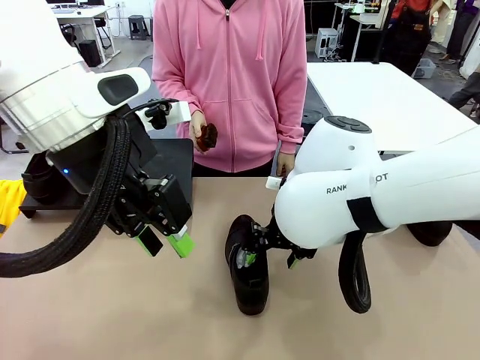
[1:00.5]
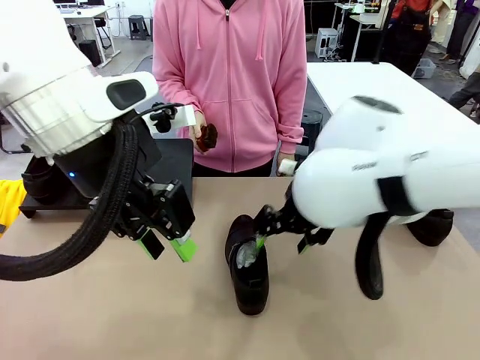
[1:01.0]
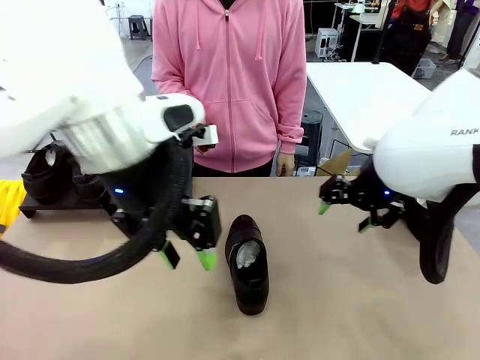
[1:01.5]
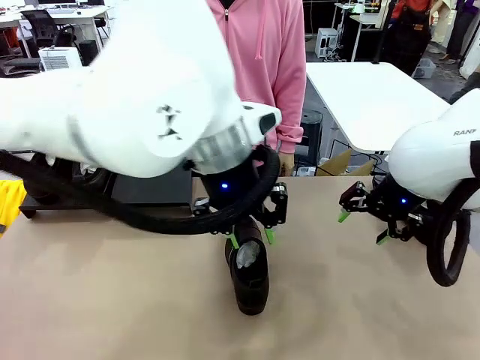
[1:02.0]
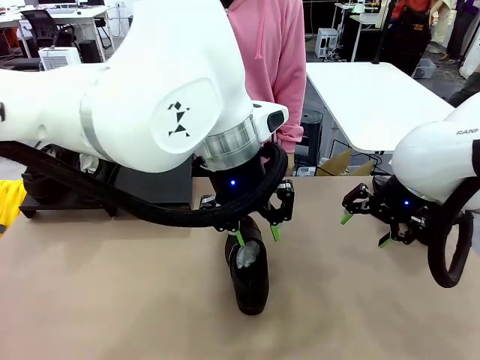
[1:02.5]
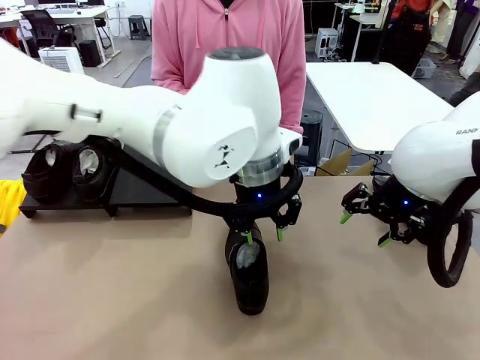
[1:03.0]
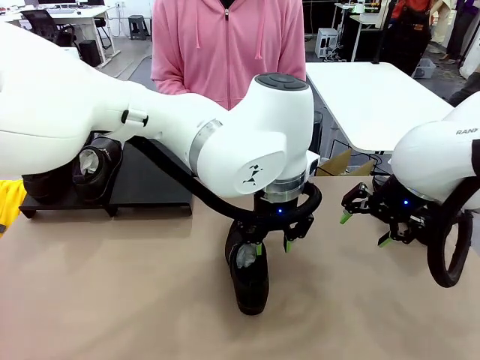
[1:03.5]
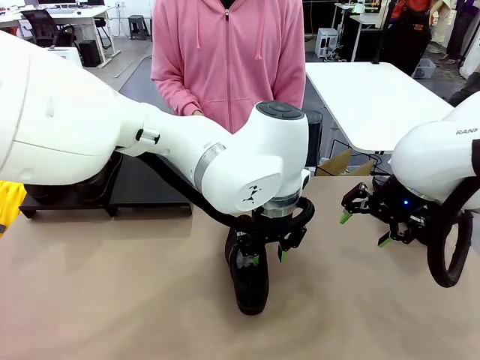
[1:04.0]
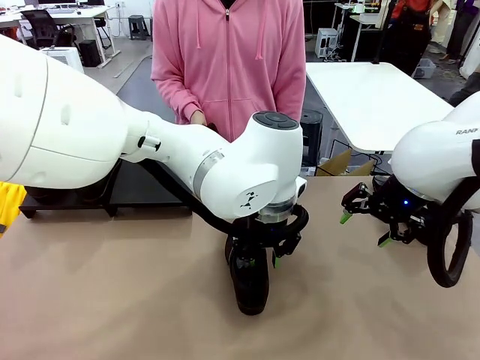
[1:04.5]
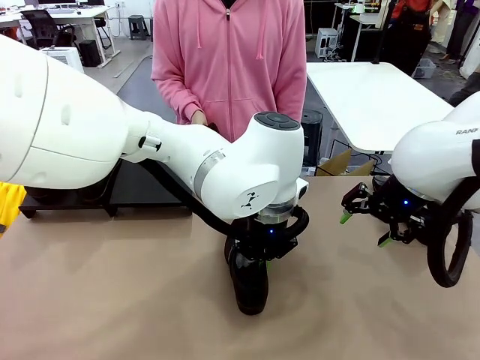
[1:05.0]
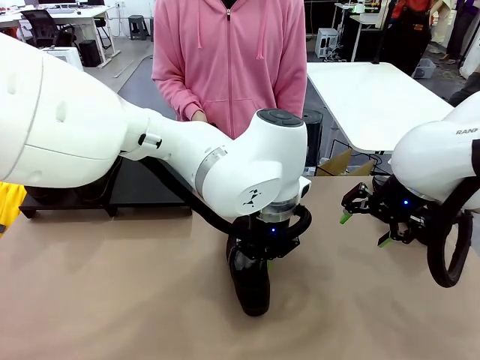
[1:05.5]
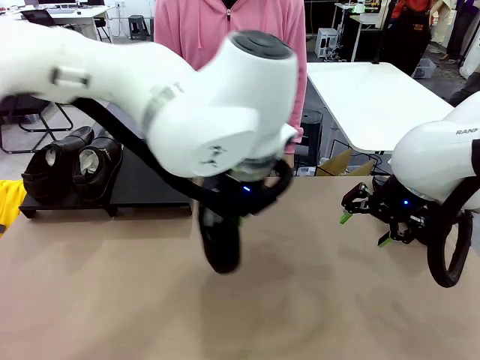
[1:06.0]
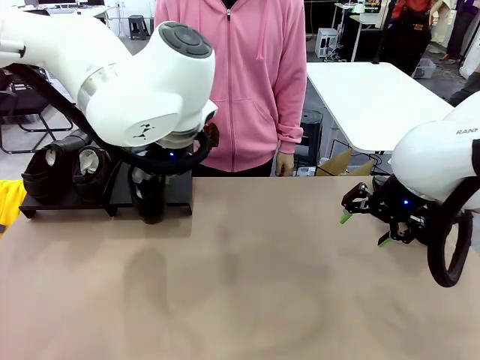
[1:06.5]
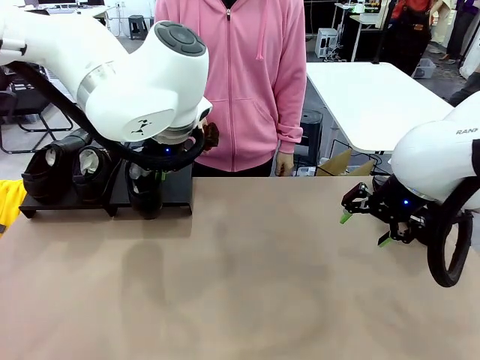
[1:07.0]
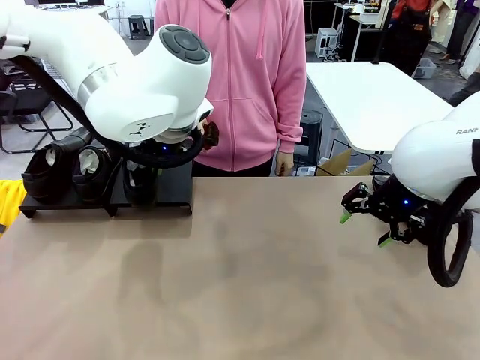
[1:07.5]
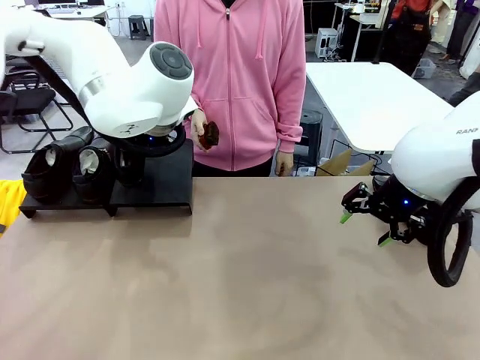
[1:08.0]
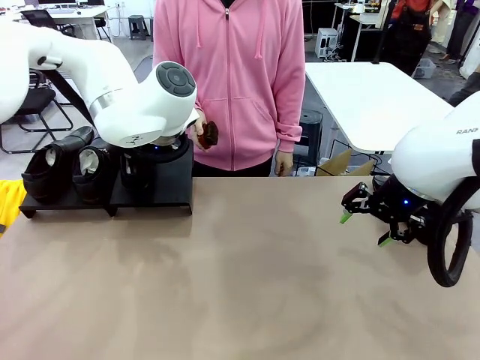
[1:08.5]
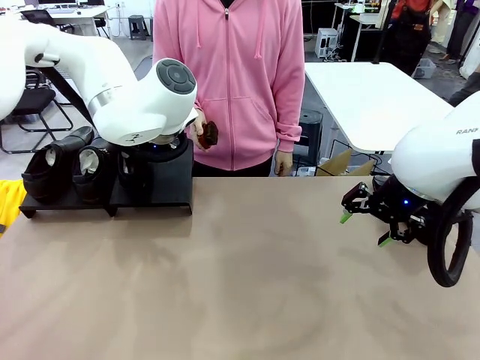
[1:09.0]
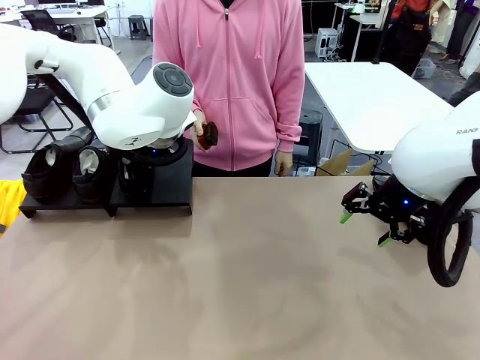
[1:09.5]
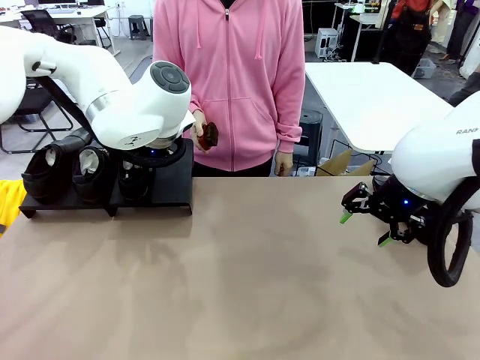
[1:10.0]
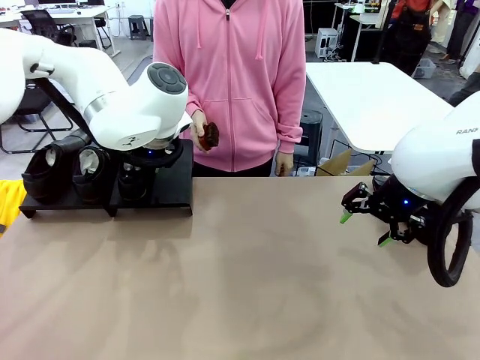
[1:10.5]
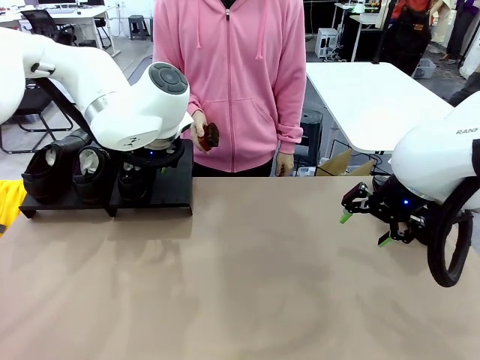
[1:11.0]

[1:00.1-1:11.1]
Task: Organize the shoes by placing them on the stand.
Robot: Place the Shoe from the middle of the table onto the Shoes Stand.

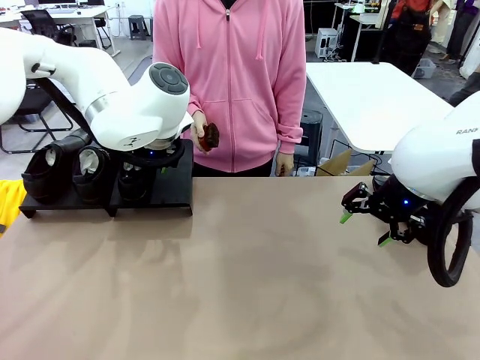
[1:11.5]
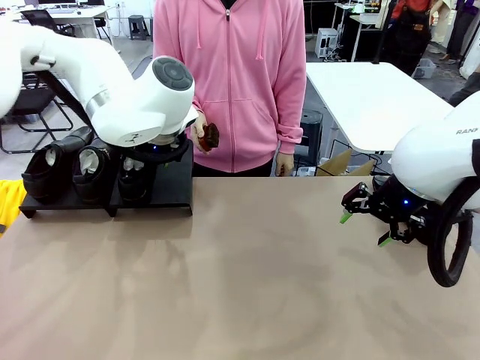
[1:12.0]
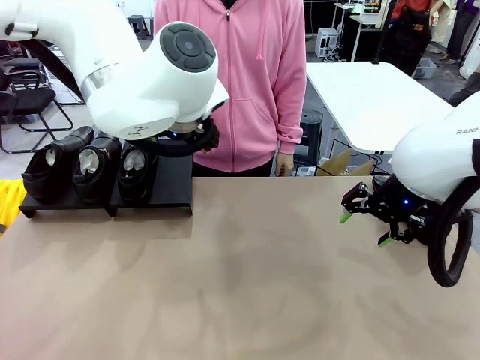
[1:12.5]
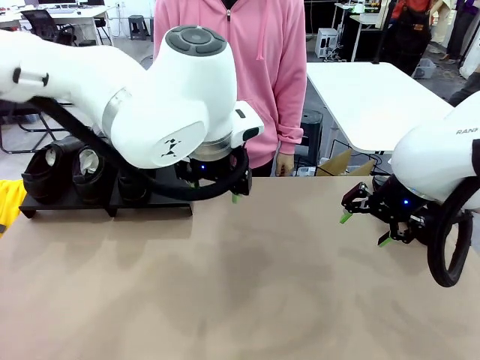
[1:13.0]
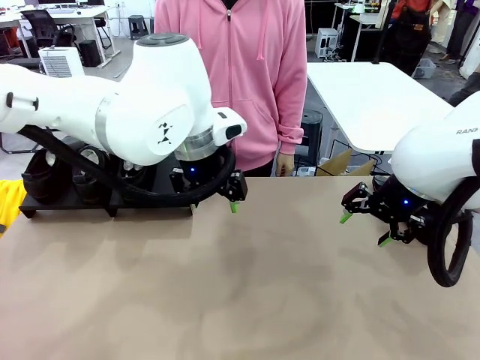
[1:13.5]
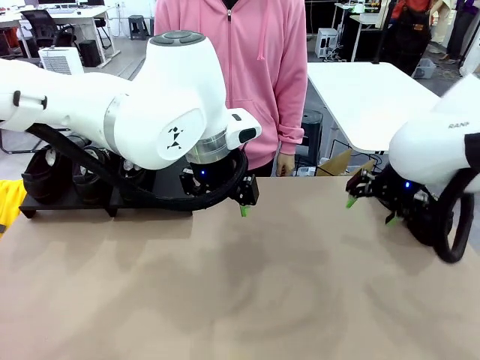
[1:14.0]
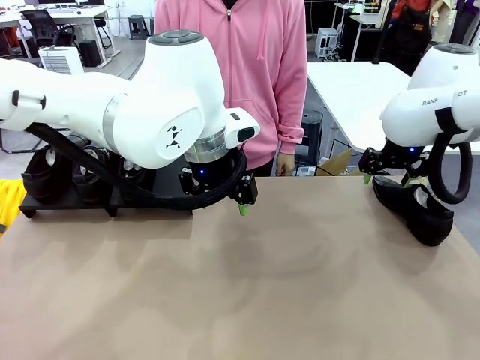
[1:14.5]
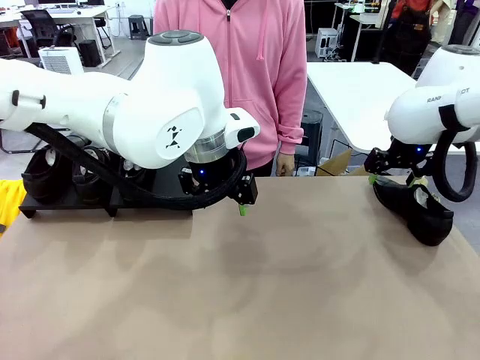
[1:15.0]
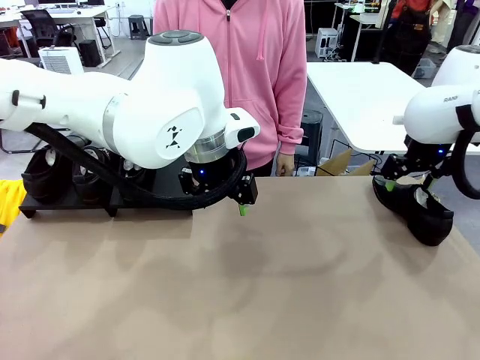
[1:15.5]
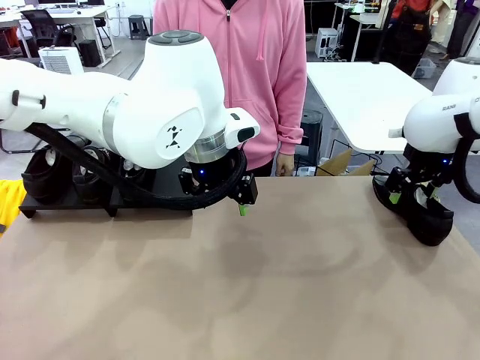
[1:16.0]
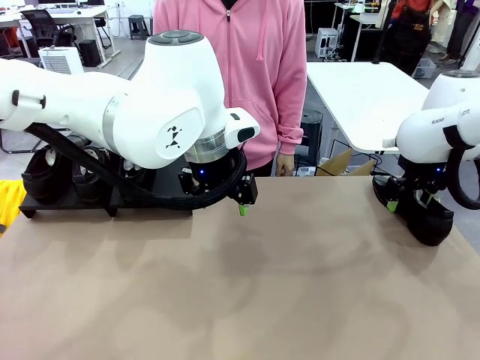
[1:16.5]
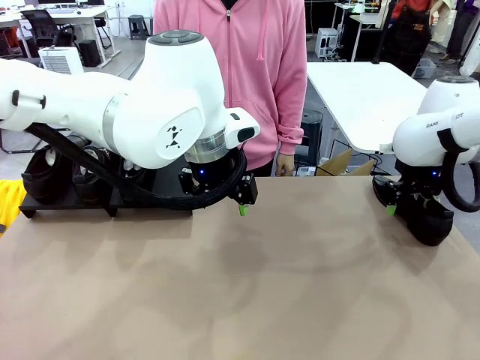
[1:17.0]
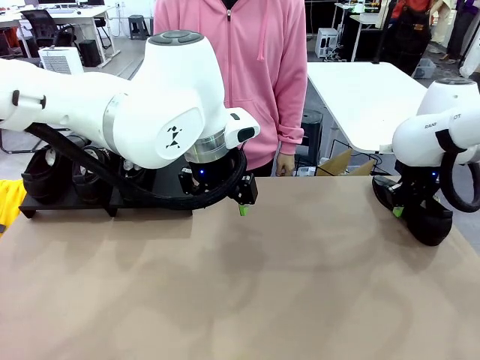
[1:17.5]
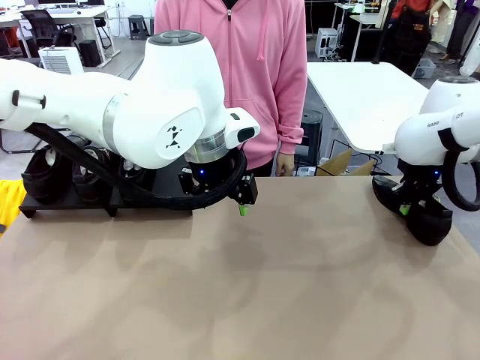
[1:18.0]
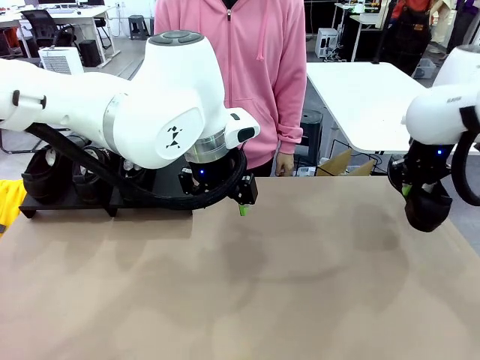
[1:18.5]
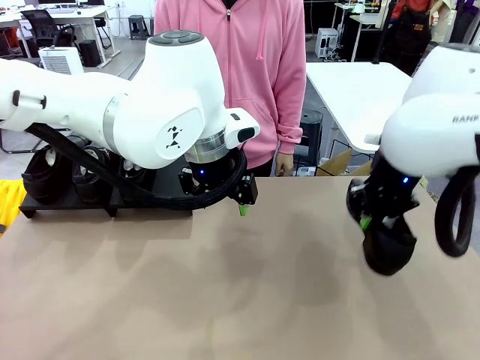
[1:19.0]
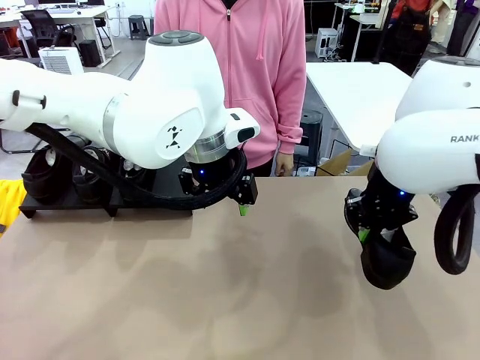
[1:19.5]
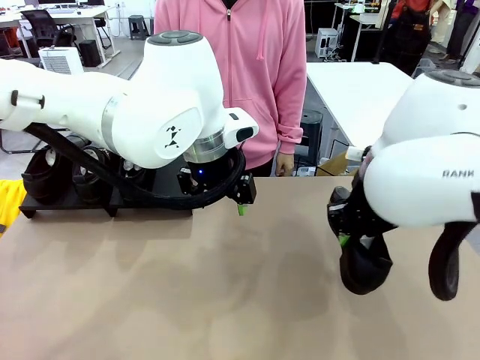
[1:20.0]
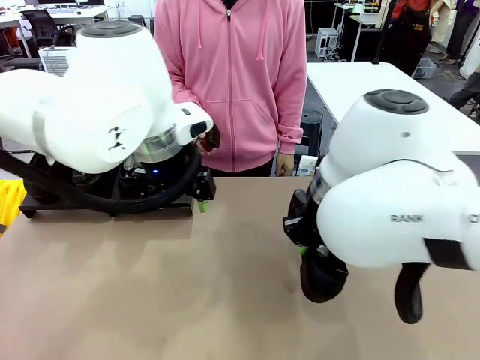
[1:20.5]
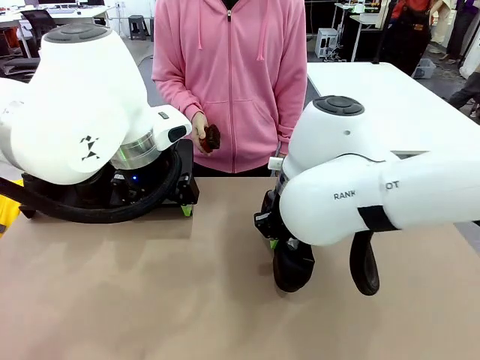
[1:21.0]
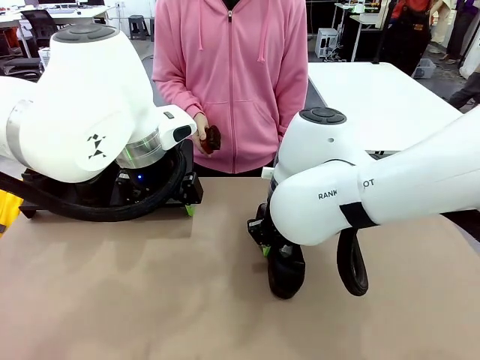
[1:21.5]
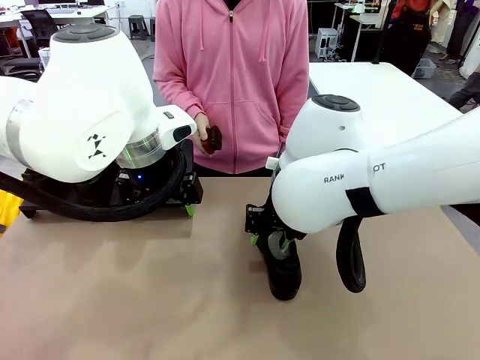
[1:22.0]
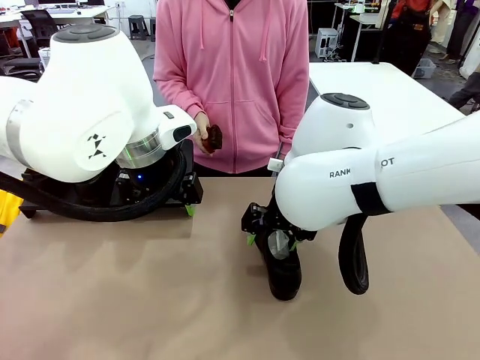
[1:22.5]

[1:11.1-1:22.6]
Robot: Pick up one Shoe and place it in the middle of the table.

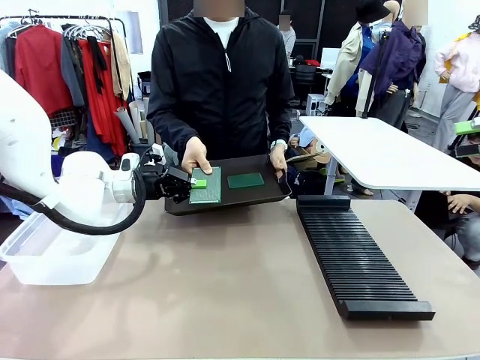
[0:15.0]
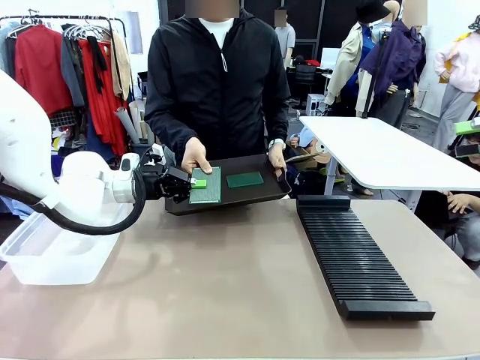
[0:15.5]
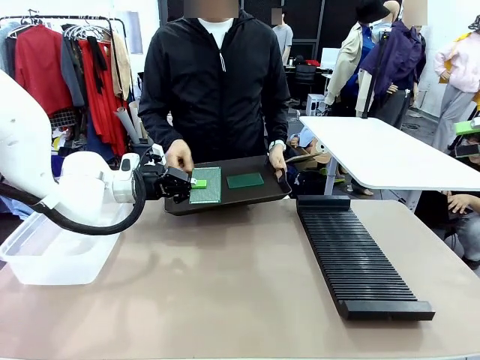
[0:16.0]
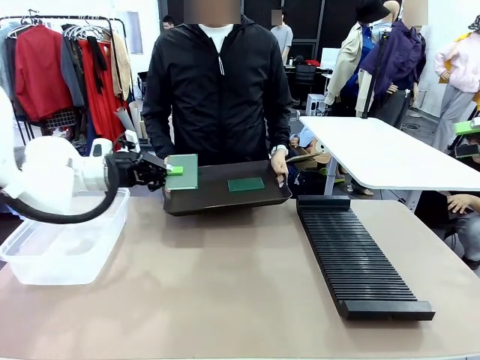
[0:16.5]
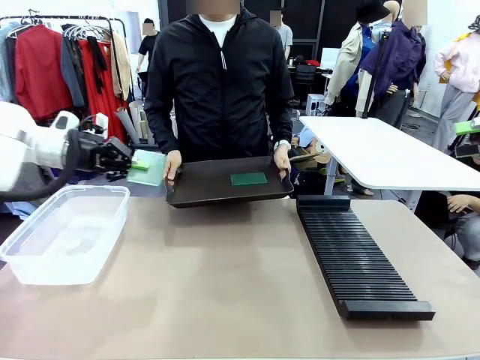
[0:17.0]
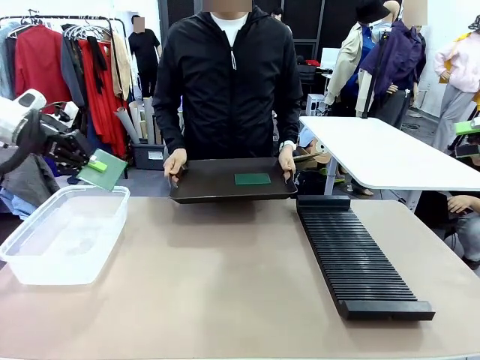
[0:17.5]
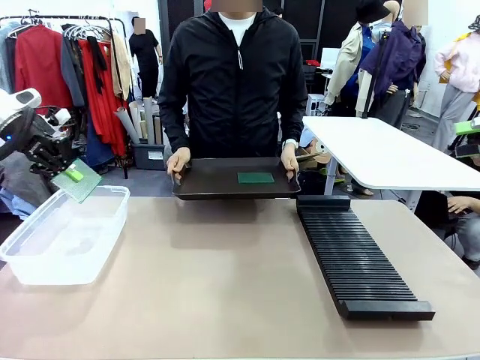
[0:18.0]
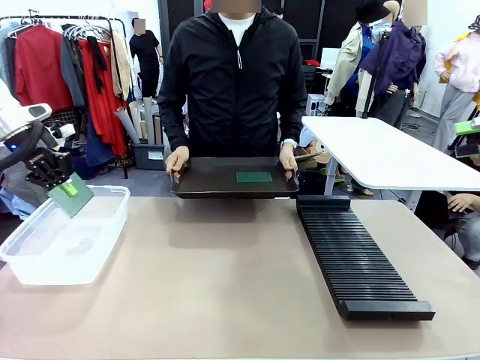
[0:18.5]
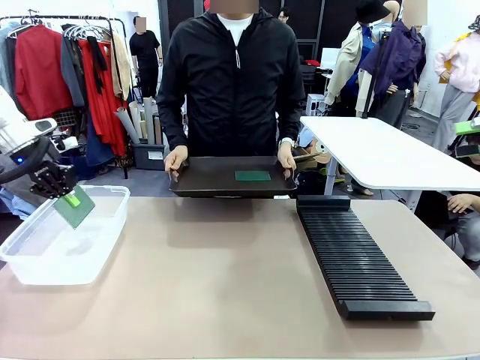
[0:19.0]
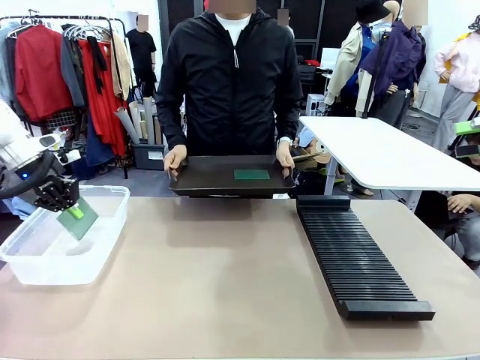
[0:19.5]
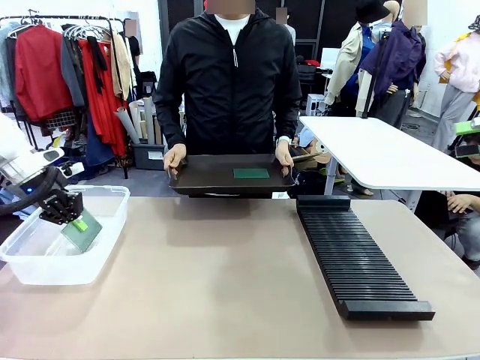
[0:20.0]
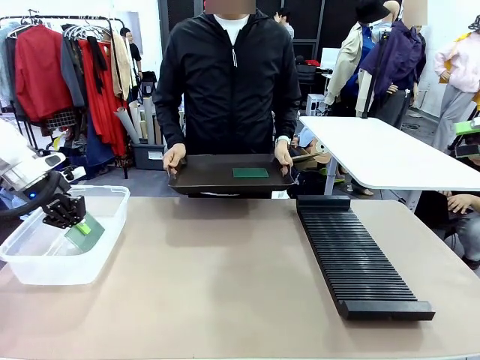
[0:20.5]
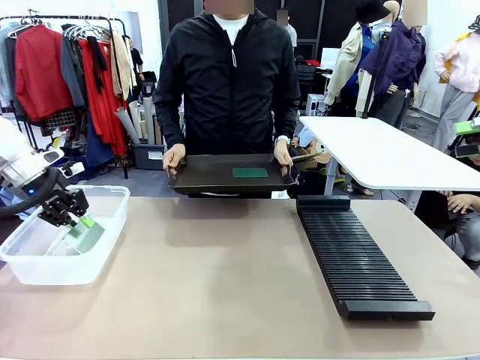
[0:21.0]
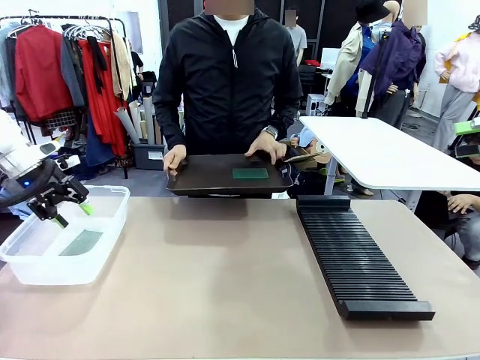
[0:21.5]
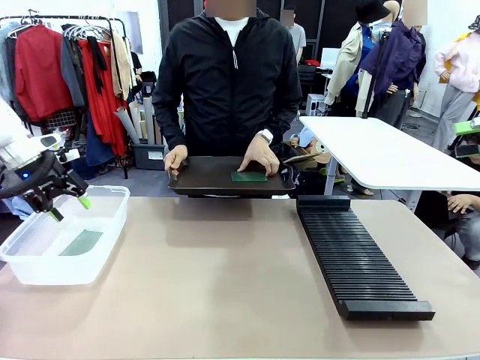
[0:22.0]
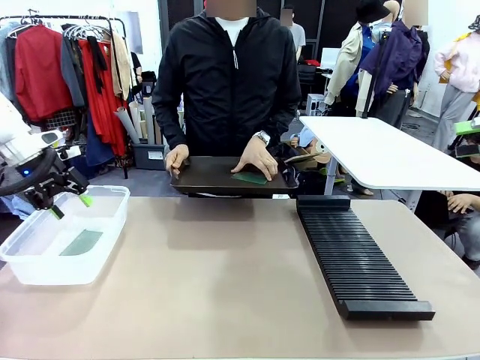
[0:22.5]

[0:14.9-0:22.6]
Task: Sort PCBs into racks and boxes based on the side picked up.
Robot: If the short side of the Blank PCB is picked up, insert it into the PCB Rack ; if the long side is picked up, place it in the Organizing box.
Person: Pick one PCB from the tray and present it to the robot.
